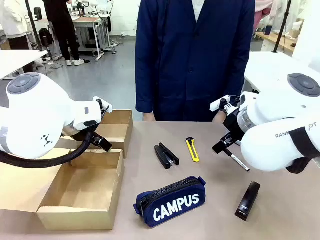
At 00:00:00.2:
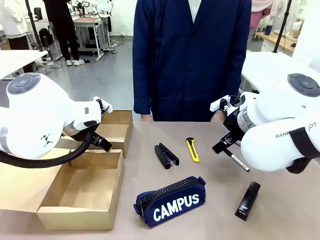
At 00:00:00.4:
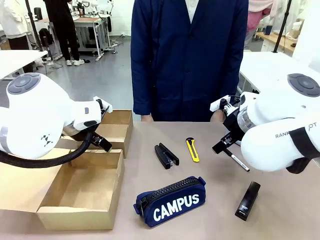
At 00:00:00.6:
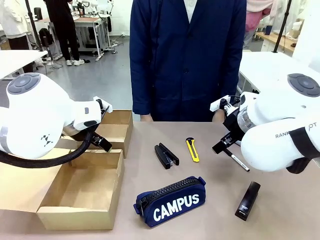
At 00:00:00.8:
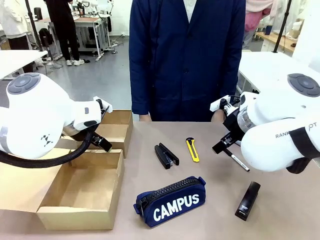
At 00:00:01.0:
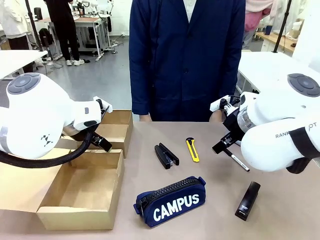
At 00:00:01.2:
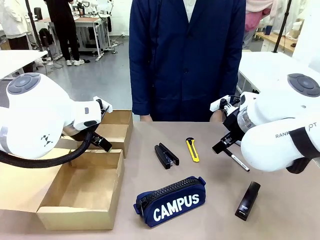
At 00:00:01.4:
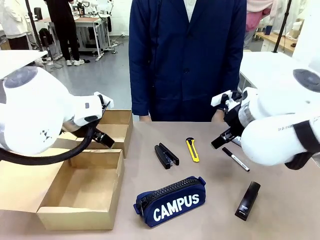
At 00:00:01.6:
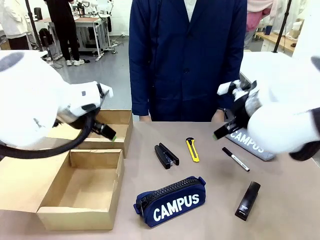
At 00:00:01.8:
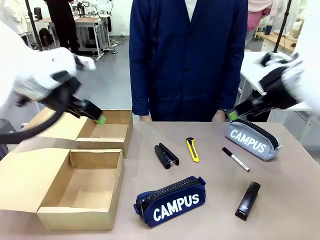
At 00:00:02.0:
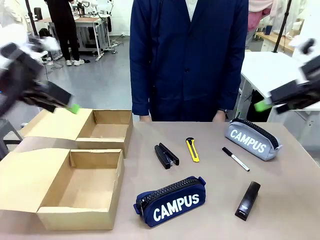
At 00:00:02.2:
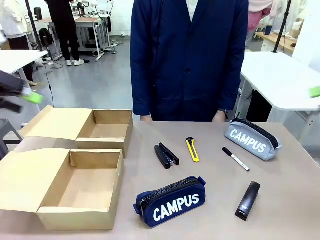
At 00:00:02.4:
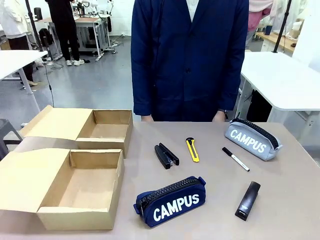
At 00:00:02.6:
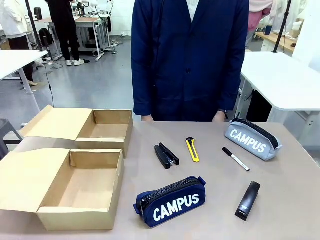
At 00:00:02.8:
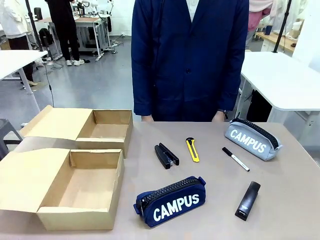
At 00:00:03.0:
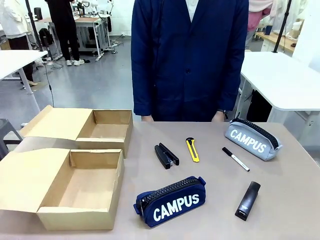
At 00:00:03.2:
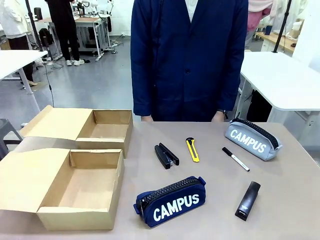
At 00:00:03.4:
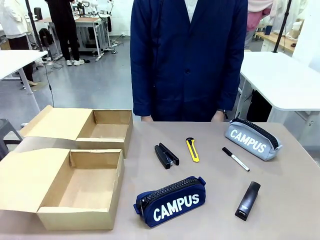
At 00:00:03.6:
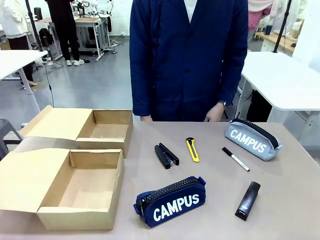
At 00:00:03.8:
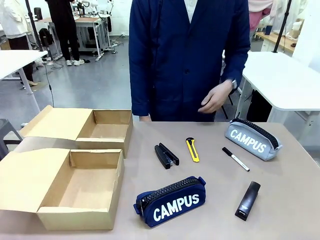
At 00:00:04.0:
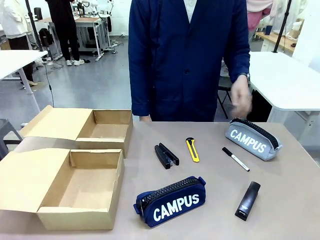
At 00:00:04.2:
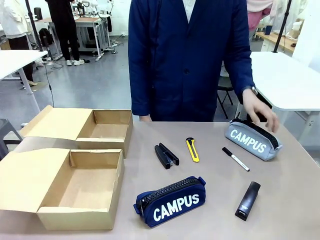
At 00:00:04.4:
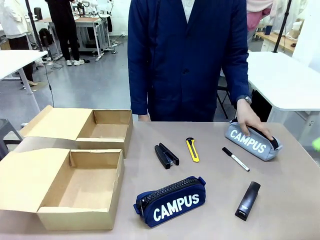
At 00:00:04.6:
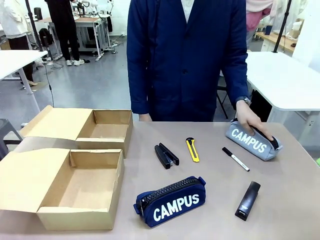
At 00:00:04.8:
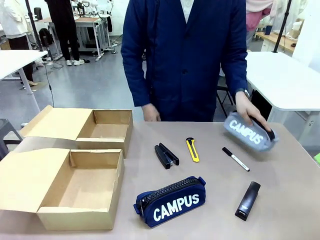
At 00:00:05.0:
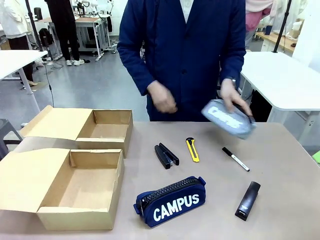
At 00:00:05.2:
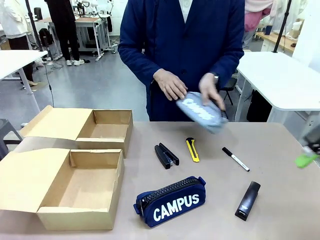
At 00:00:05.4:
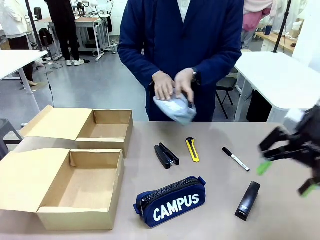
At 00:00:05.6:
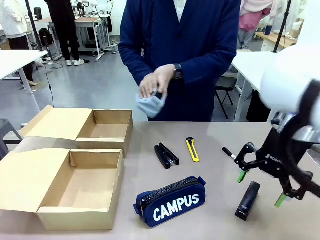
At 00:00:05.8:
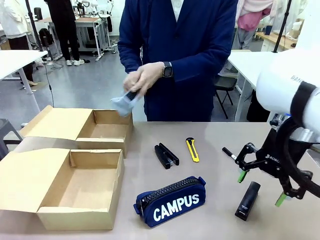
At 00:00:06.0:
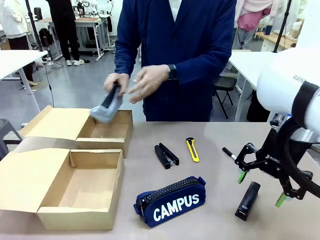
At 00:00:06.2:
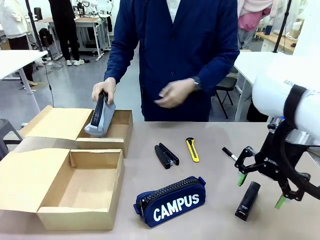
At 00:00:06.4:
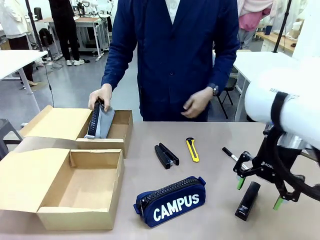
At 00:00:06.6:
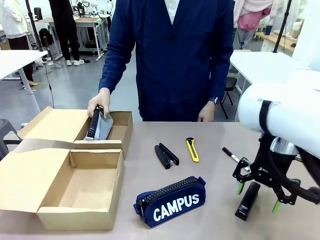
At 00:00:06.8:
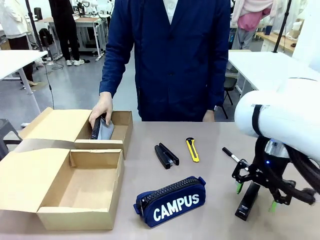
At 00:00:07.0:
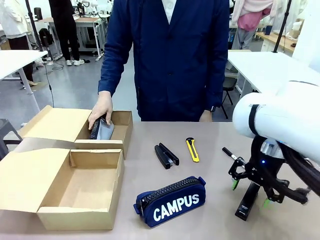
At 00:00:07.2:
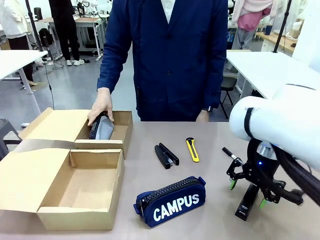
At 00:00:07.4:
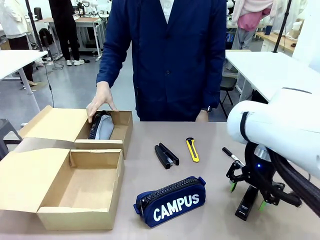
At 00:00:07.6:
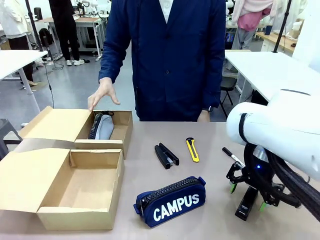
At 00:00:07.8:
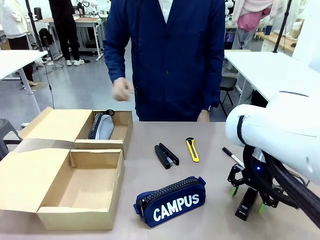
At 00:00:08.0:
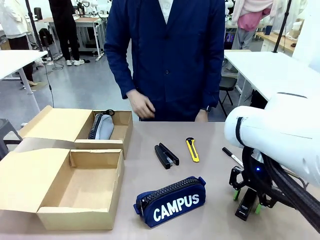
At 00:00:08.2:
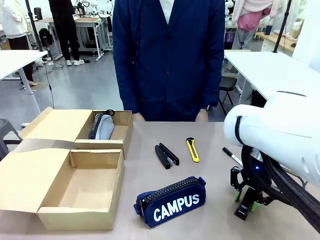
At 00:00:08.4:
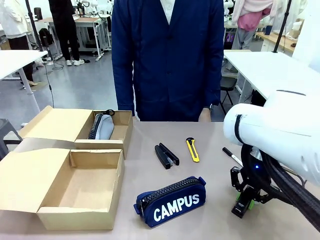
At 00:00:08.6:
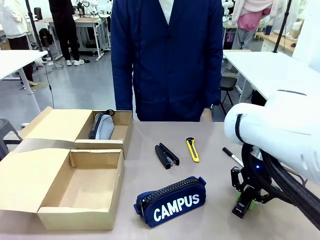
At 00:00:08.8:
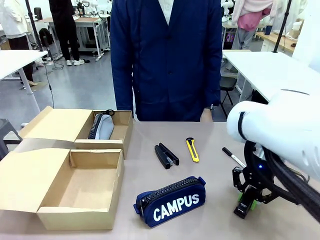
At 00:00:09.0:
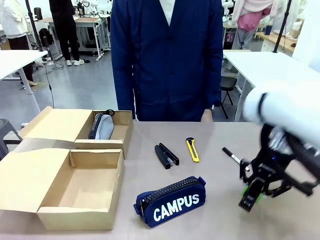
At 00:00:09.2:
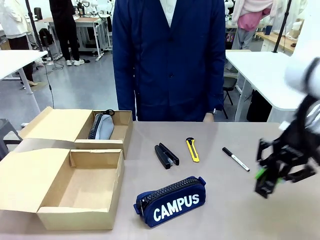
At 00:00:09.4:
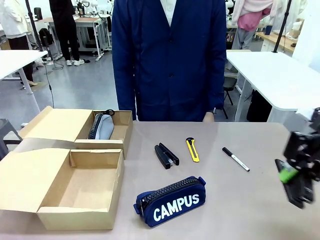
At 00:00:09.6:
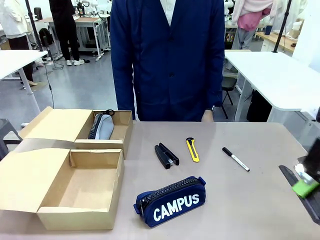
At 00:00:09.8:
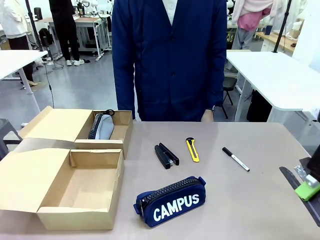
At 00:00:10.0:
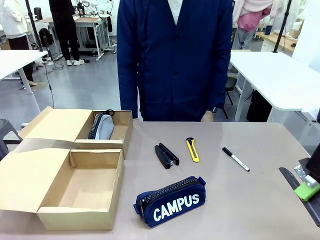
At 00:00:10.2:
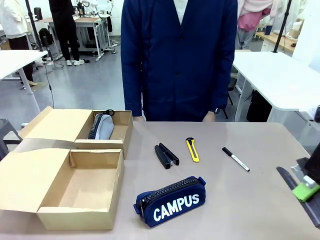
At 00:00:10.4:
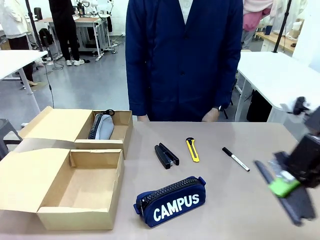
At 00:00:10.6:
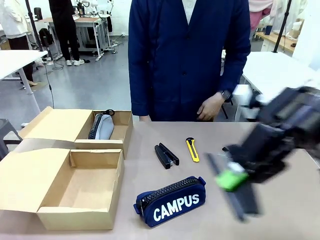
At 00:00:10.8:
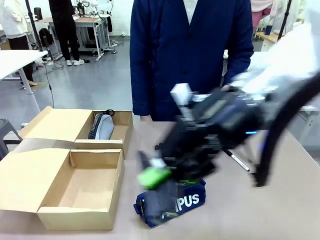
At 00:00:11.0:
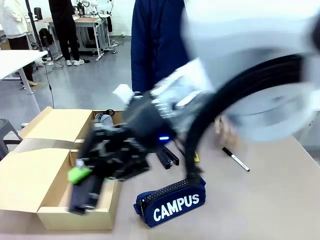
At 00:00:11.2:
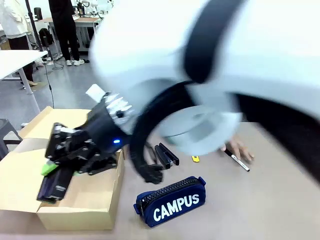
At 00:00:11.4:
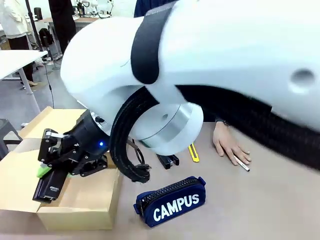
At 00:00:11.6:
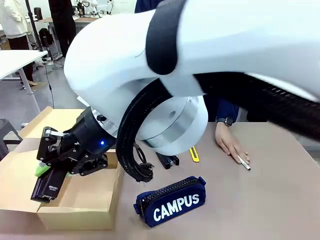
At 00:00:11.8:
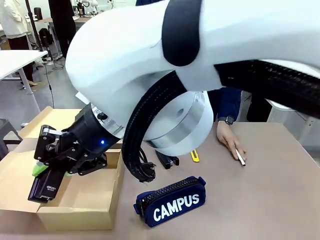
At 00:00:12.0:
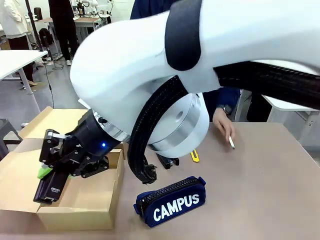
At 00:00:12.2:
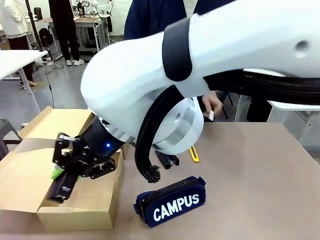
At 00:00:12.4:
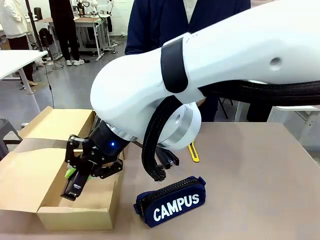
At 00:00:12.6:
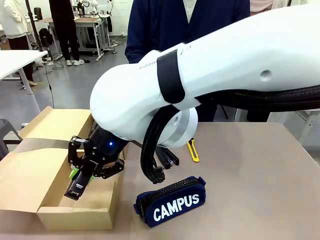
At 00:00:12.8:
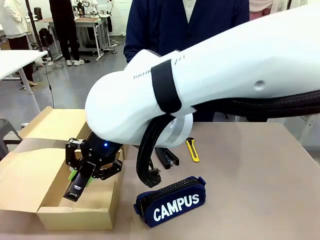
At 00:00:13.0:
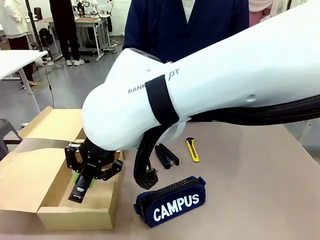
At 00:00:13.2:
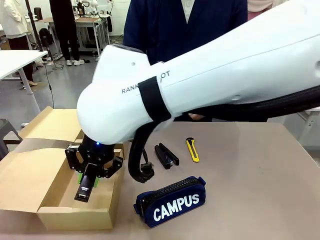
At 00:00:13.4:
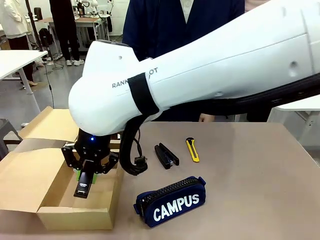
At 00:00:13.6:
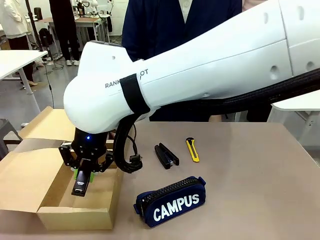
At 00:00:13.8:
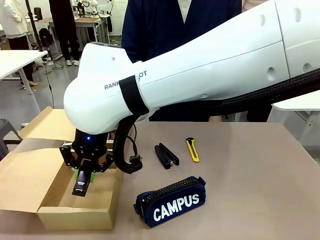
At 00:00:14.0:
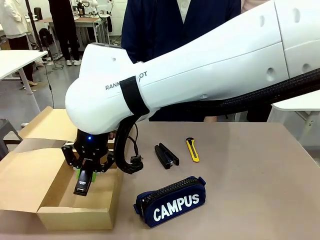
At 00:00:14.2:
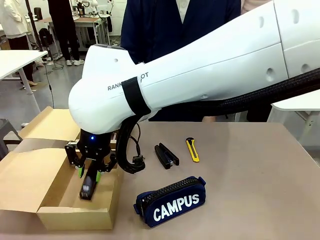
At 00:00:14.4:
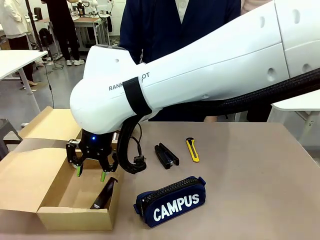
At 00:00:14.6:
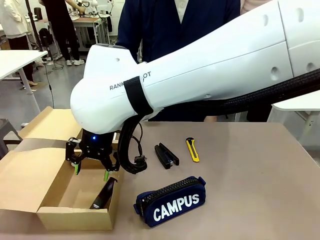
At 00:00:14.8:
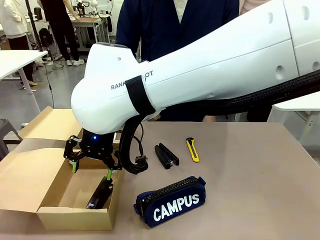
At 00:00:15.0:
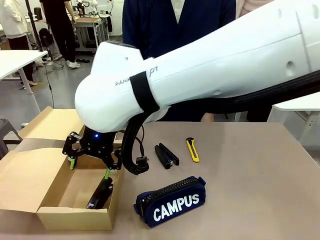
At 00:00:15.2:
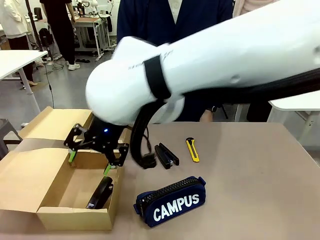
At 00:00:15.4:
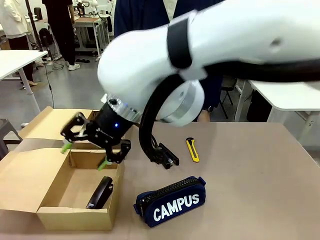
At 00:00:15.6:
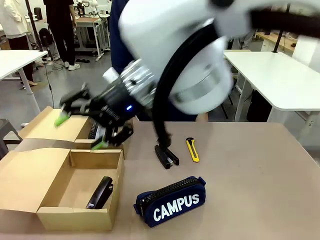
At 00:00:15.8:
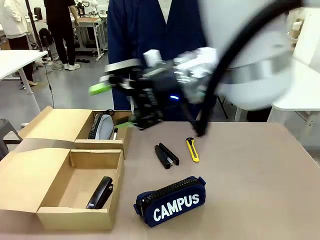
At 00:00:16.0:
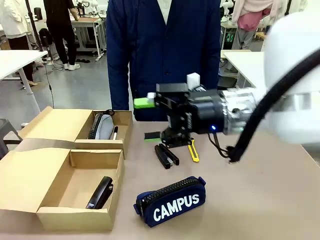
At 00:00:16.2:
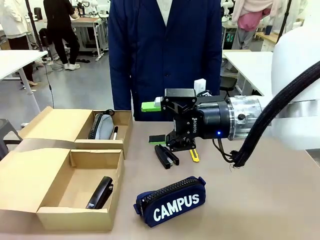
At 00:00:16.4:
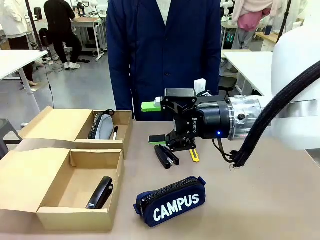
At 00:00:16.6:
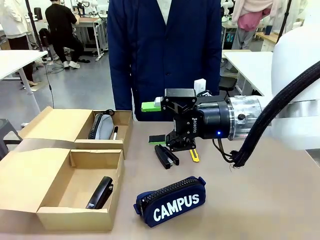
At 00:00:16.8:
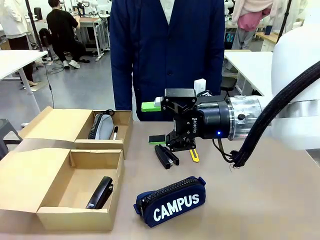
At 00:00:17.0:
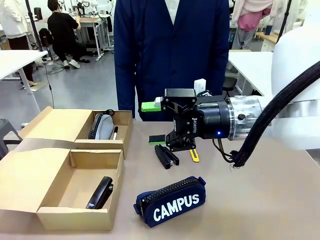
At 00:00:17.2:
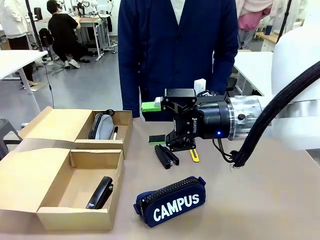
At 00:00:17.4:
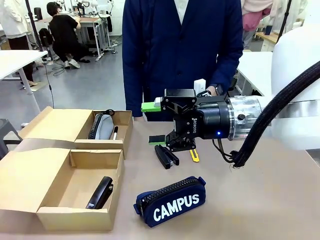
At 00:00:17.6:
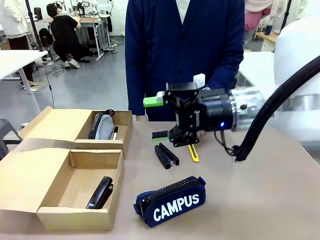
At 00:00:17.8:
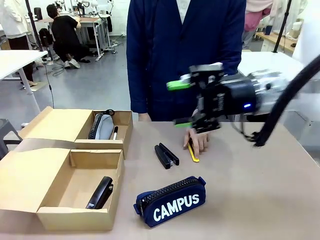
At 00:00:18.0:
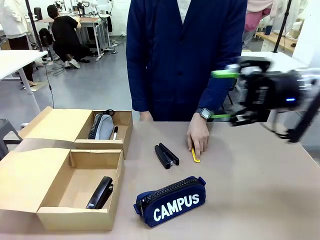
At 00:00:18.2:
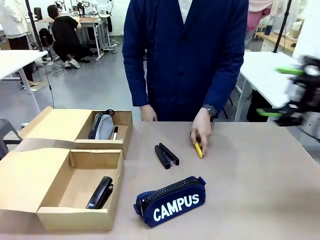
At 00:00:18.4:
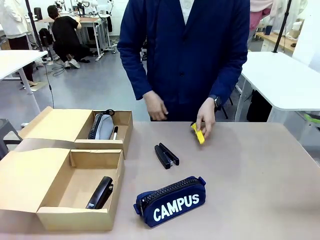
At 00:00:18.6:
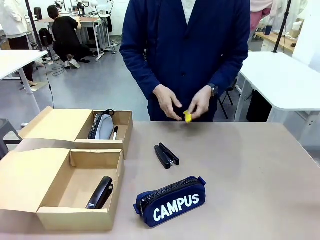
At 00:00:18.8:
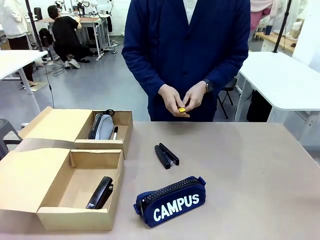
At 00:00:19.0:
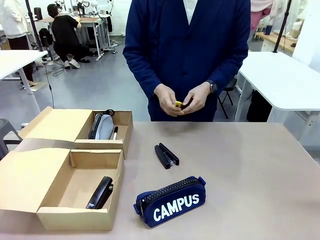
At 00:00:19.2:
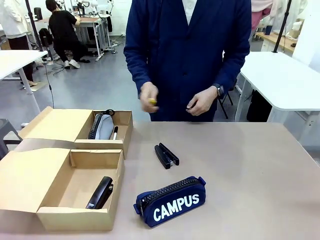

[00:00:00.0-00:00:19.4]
Task: Place items inside the box.
Robot: Pick up a Pencil pouch or Stapler and place it inside the Mailer Box closest to the robot.
Person: Pick up an object on the table and put it in the box.
